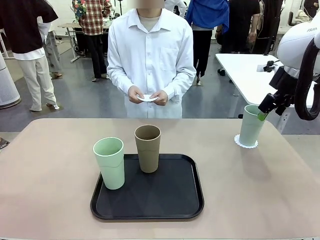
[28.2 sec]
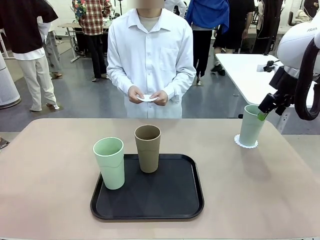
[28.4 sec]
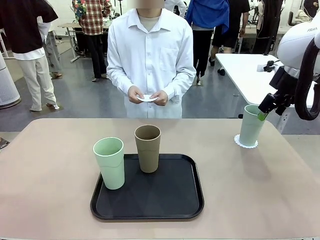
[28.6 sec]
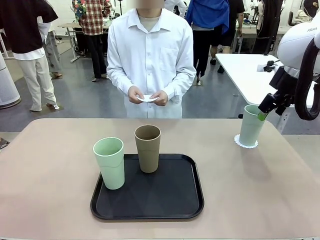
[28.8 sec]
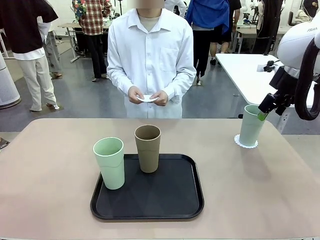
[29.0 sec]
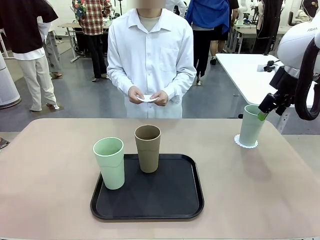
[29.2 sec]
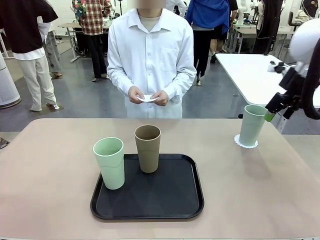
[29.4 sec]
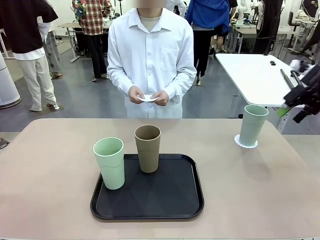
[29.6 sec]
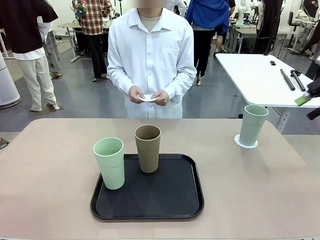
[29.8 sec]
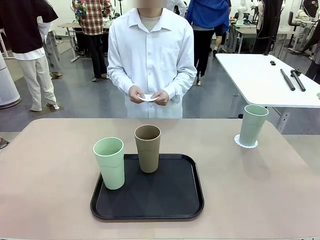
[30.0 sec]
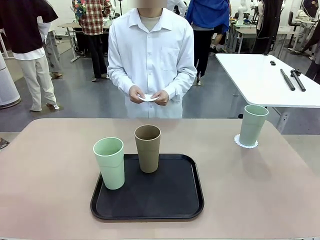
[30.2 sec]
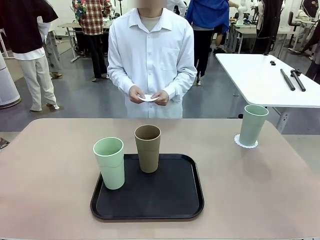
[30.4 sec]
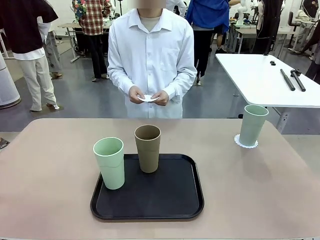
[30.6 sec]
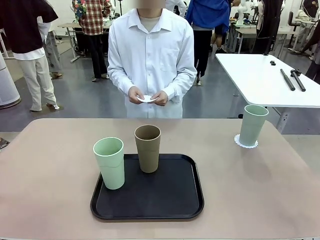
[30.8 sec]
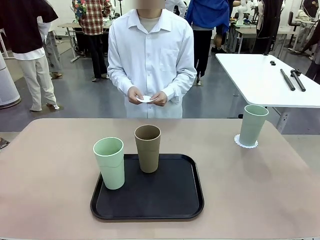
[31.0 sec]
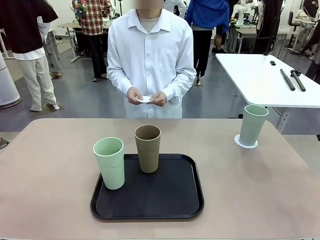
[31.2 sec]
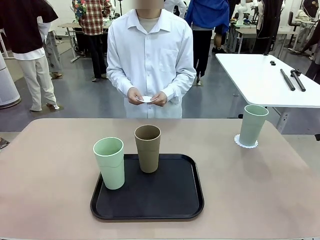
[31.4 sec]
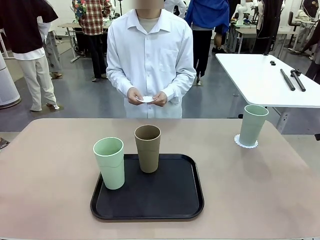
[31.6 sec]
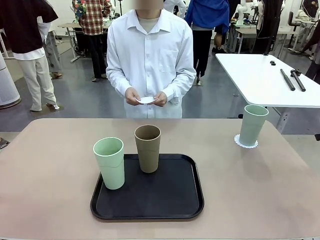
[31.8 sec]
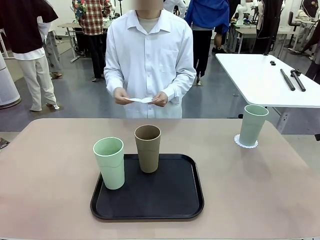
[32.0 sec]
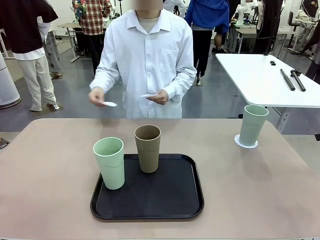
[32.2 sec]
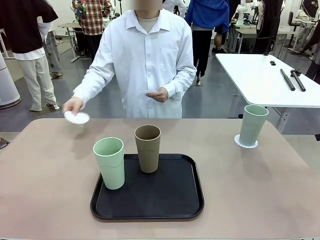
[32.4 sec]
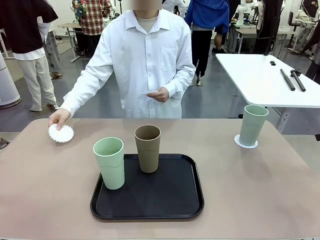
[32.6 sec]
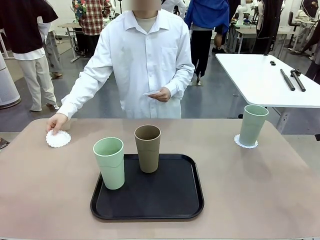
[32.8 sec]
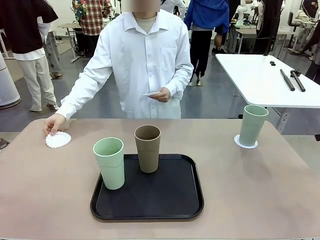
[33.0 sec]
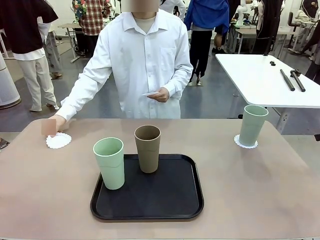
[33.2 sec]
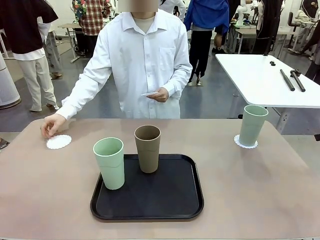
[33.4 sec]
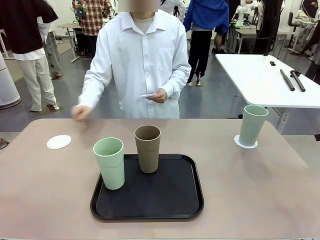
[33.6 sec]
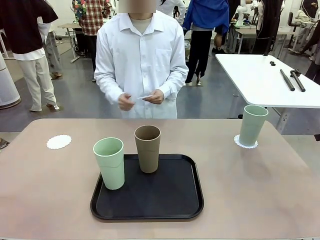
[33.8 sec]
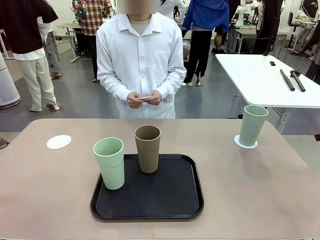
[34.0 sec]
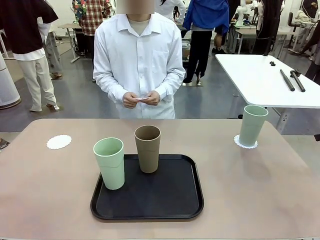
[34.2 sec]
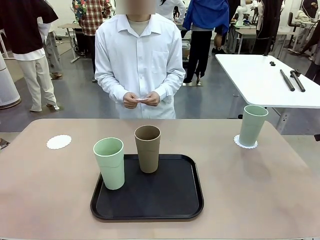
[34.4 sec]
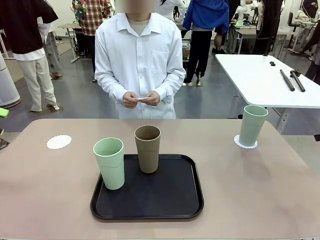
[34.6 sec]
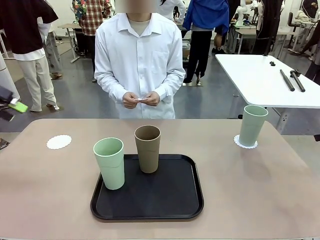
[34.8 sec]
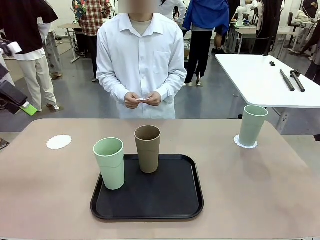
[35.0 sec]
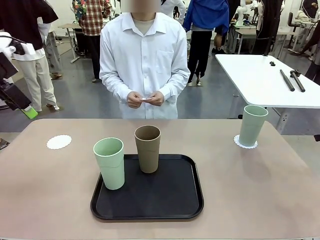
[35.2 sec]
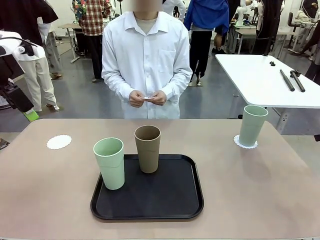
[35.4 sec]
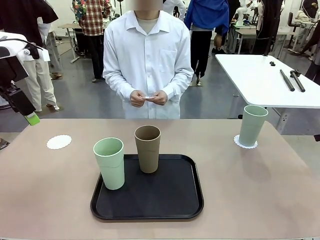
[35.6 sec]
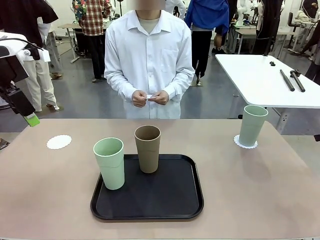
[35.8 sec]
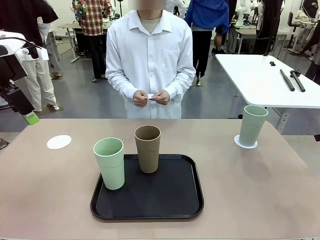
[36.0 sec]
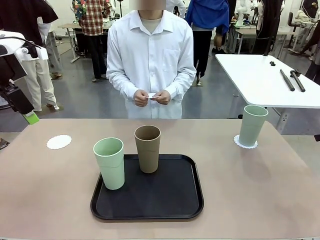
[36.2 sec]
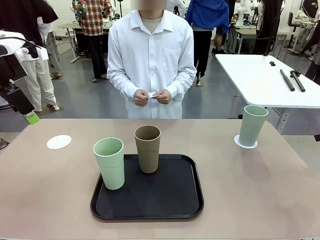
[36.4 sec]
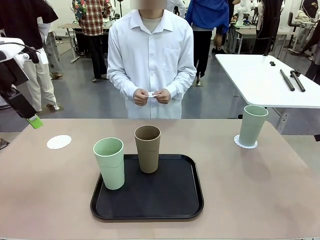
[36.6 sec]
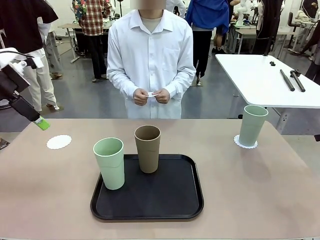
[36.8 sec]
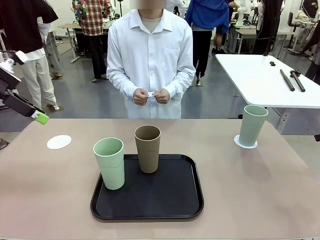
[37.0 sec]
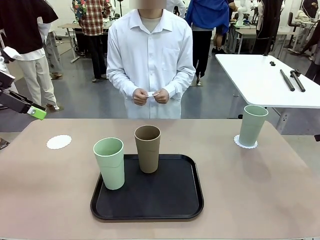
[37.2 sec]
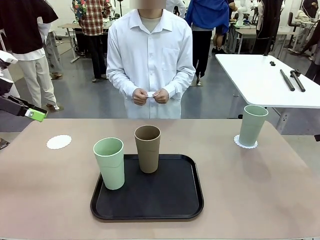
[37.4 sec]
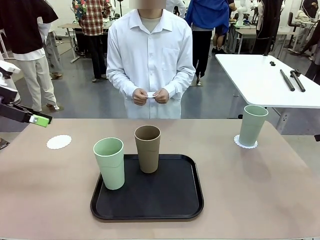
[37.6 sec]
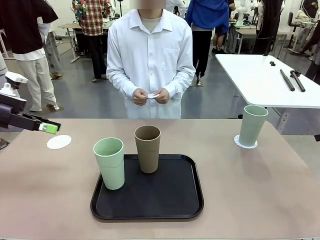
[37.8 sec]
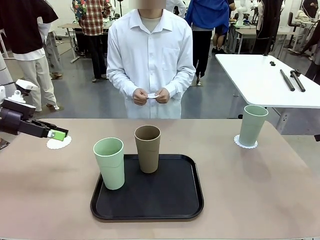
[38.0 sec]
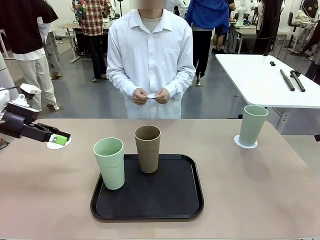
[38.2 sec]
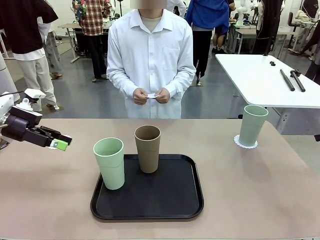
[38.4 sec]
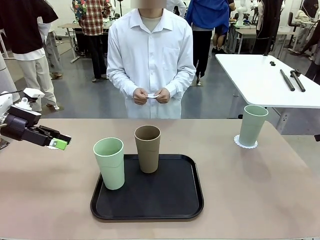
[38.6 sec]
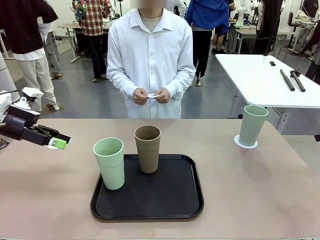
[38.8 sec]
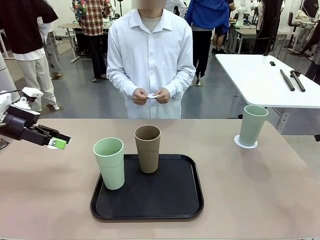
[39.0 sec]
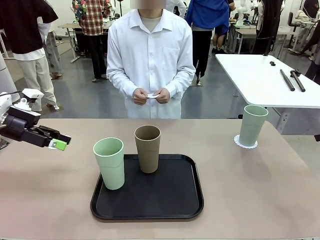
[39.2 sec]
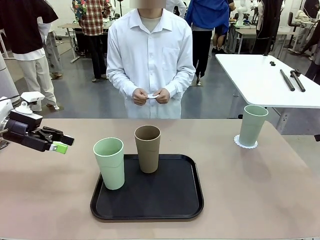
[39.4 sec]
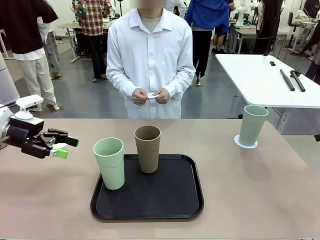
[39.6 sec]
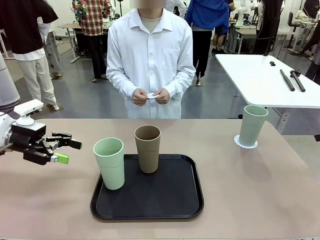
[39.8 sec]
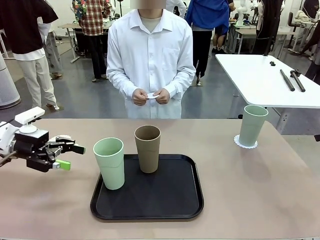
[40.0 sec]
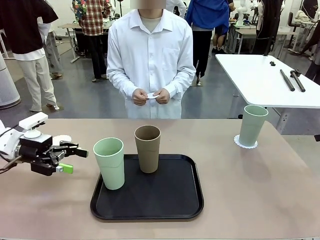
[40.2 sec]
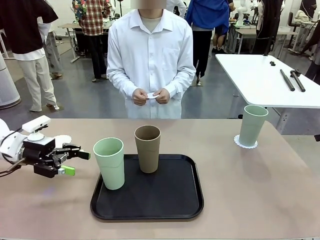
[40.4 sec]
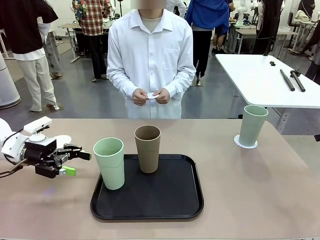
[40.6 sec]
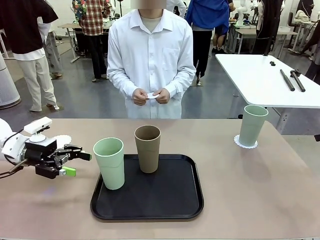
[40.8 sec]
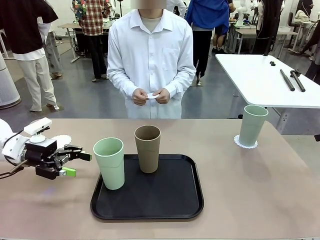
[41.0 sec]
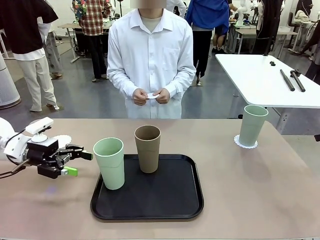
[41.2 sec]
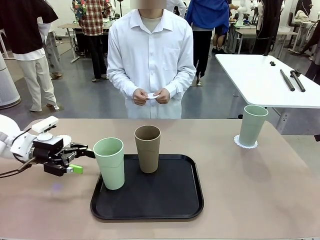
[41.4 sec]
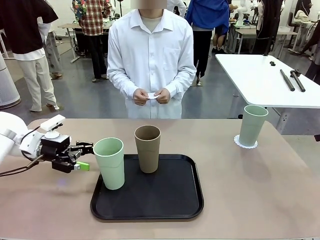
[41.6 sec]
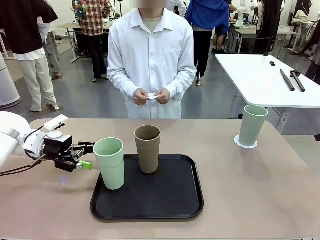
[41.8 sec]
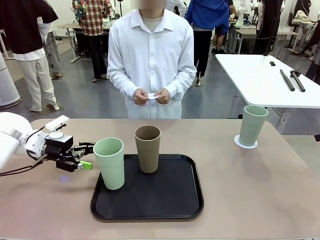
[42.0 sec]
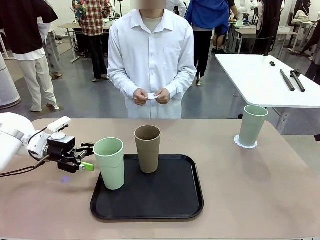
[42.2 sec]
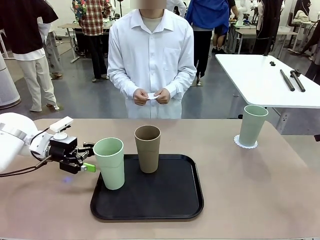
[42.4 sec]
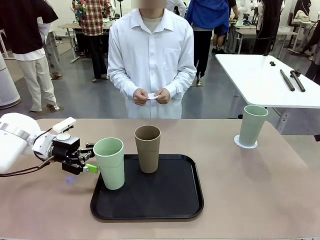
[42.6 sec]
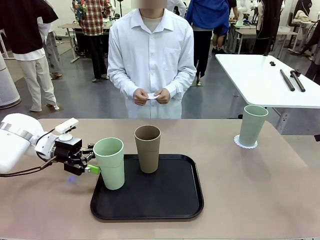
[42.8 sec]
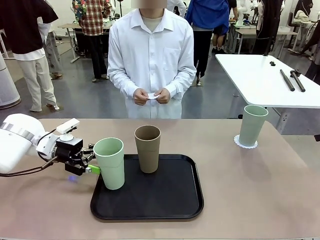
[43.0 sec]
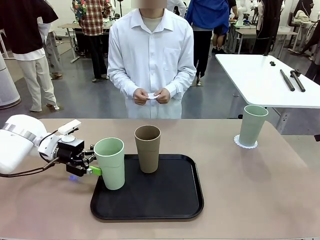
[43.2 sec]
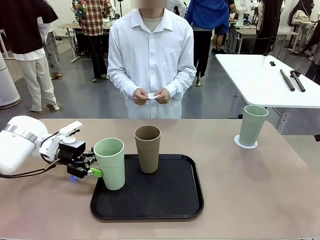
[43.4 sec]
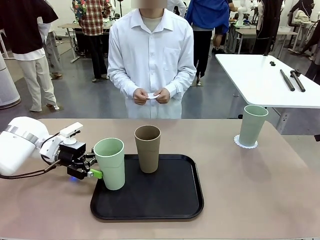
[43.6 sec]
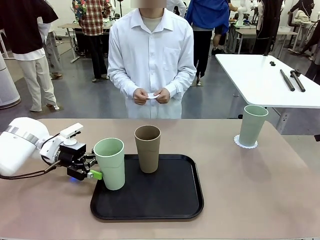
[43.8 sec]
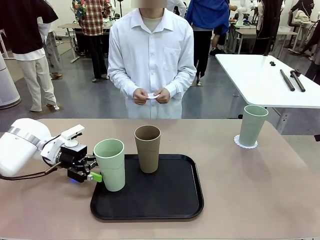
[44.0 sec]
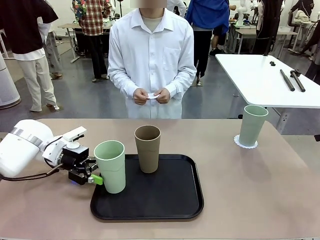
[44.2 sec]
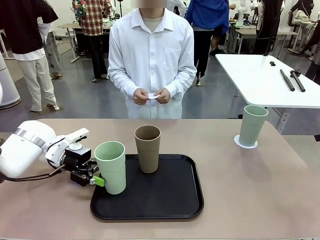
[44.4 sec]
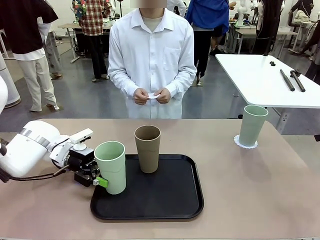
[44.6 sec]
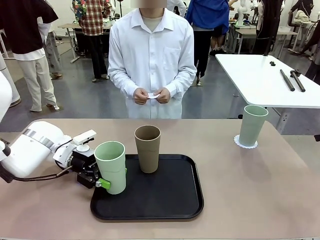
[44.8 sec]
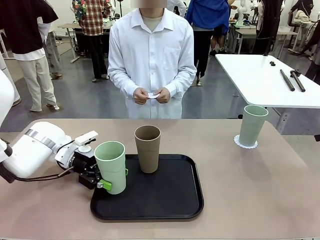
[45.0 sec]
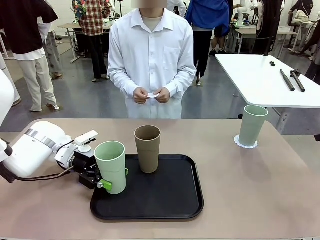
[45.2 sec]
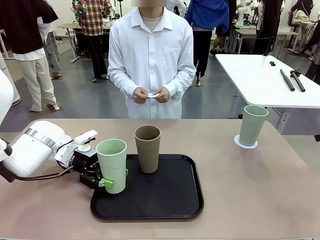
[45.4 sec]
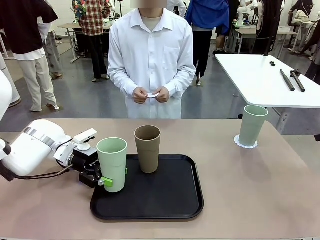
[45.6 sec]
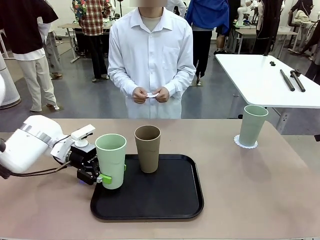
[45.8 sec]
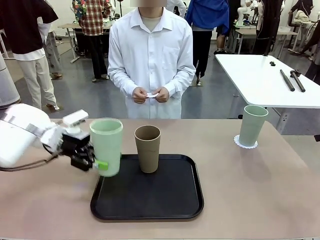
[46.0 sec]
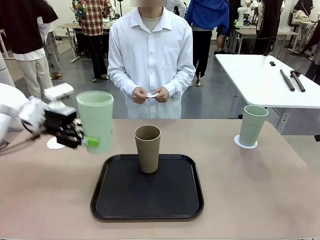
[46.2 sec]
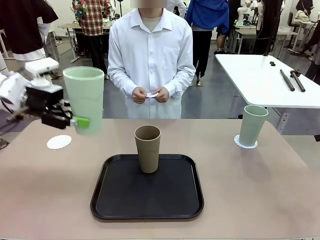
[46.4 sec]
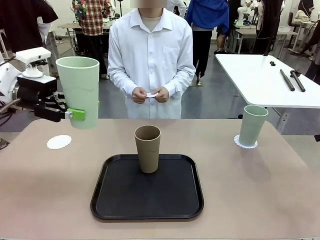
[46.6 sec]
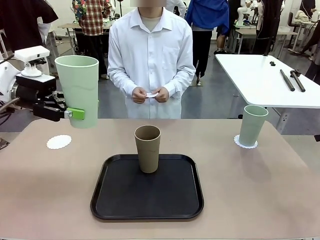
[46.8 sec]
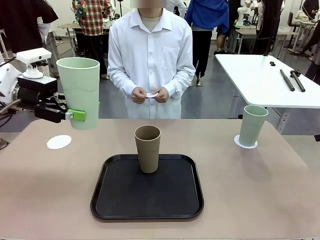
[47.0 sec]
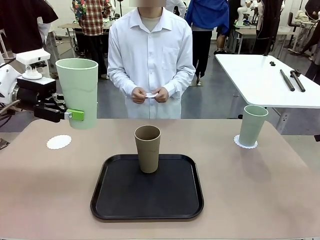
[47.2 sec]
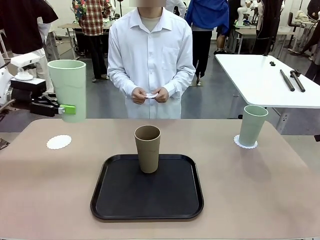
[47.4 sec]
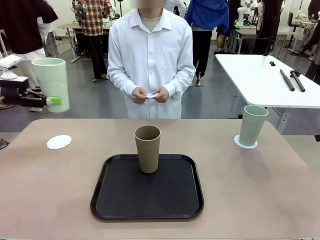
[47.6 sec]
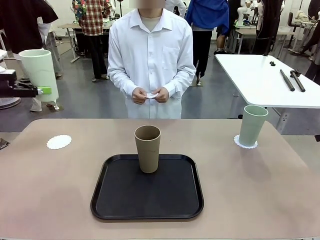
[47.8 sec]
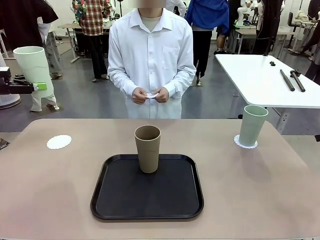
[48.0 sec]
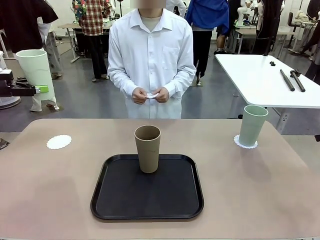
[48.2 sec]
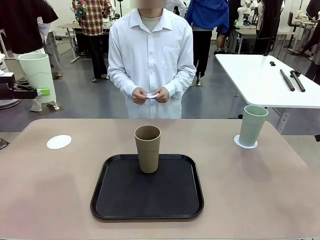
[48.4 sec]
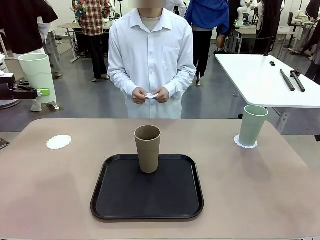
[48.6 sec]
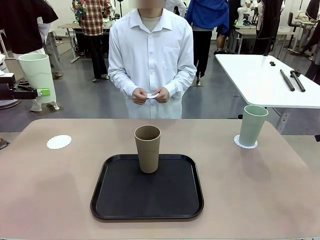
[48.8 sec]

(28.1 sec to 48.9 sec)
Task: Place coasters on the table and set cups on them.
Robot: Take one Reusable plastic cup from the Flat Tray and place it on a coaster set by the human.
